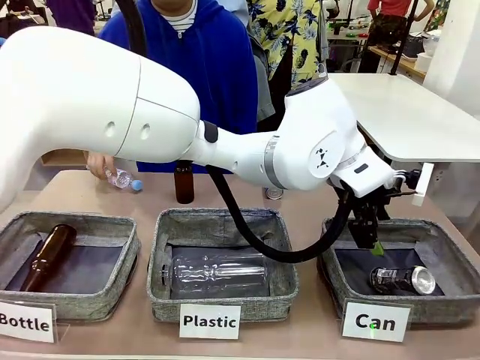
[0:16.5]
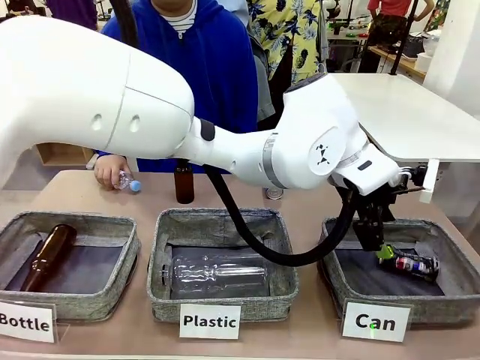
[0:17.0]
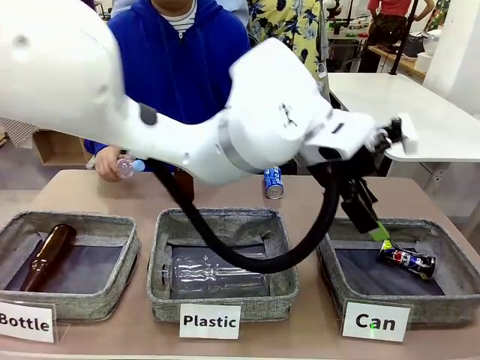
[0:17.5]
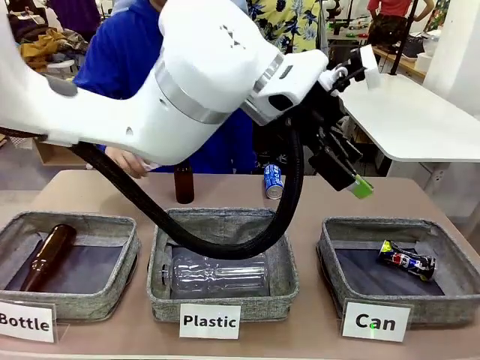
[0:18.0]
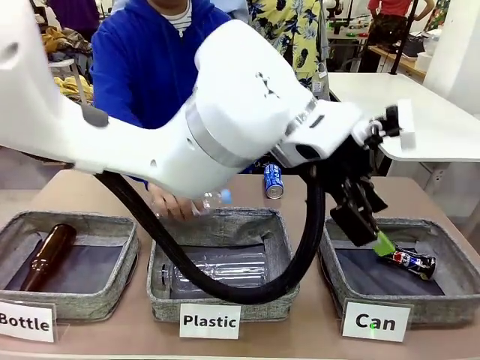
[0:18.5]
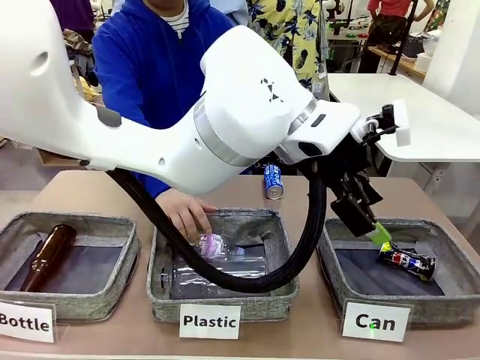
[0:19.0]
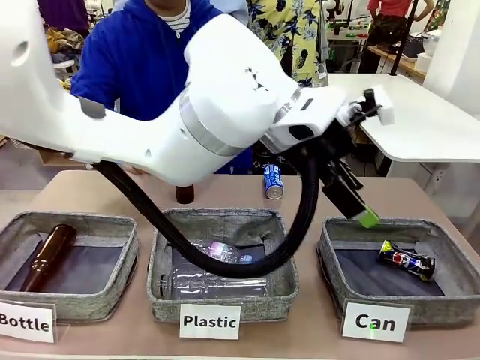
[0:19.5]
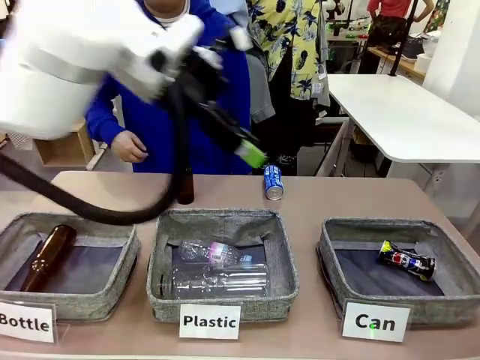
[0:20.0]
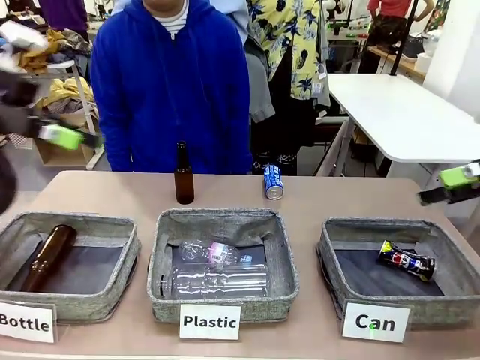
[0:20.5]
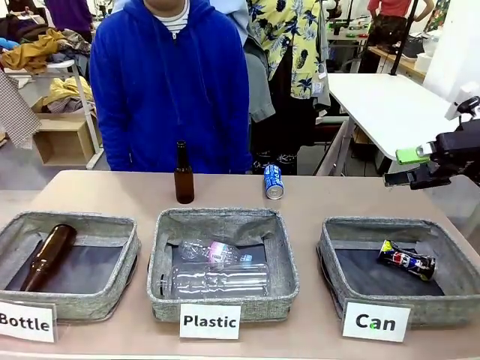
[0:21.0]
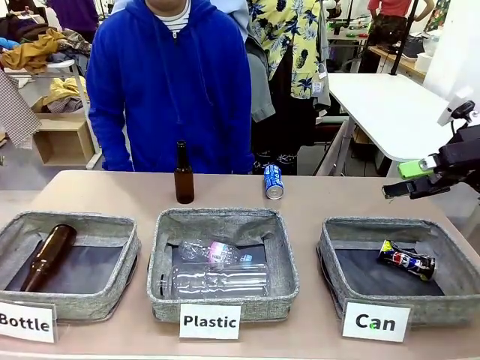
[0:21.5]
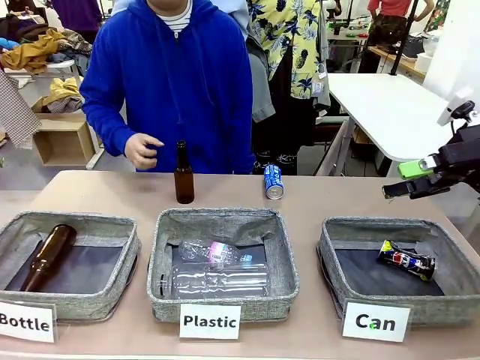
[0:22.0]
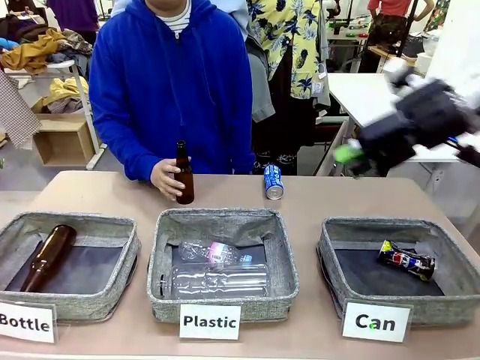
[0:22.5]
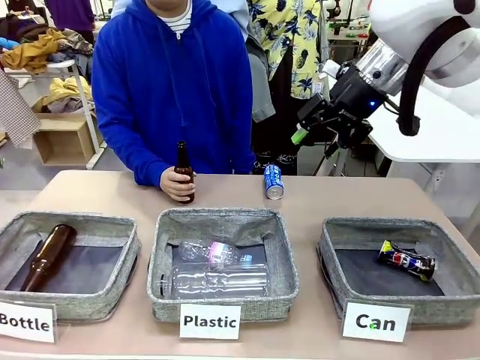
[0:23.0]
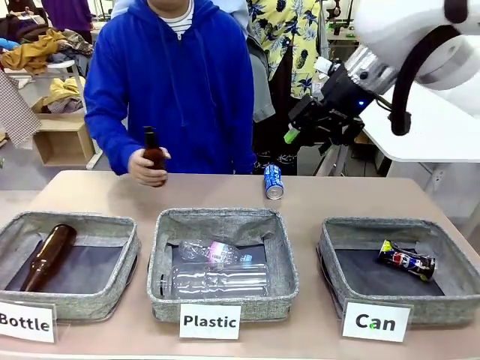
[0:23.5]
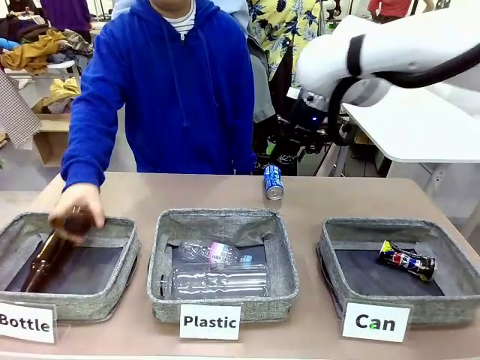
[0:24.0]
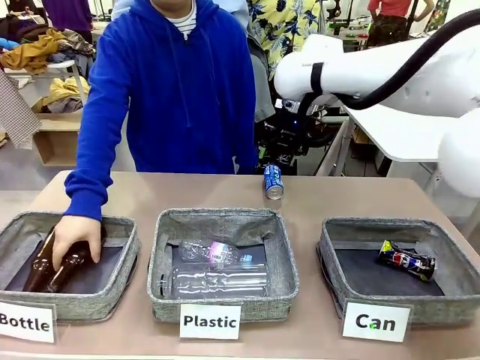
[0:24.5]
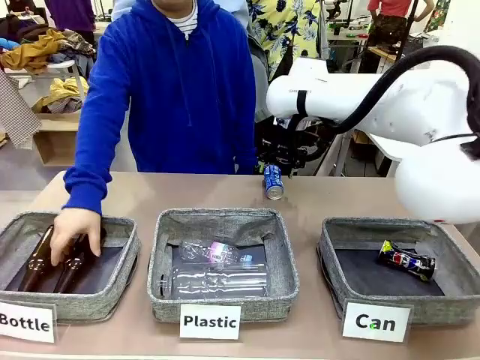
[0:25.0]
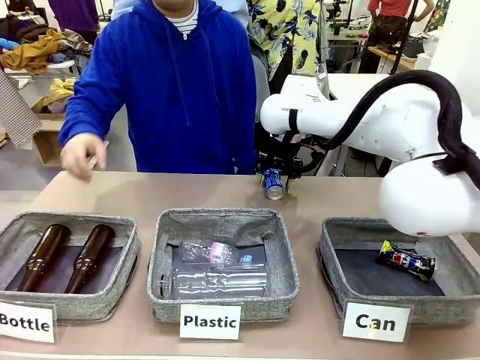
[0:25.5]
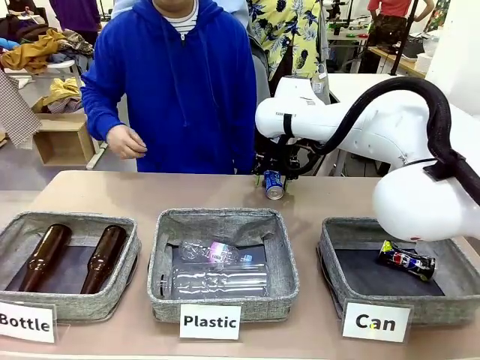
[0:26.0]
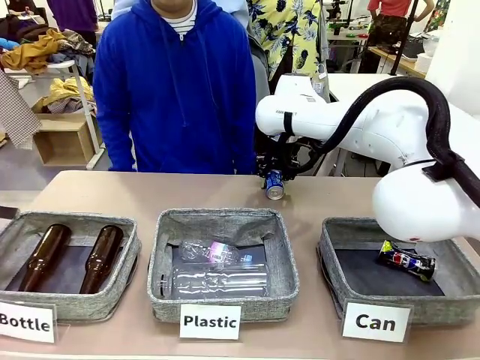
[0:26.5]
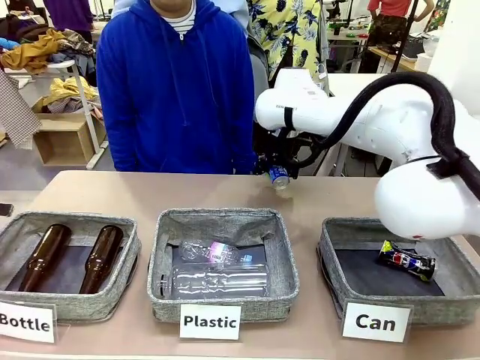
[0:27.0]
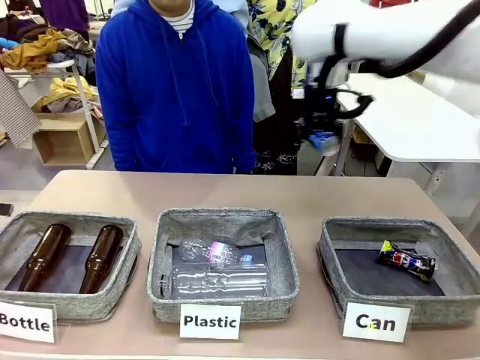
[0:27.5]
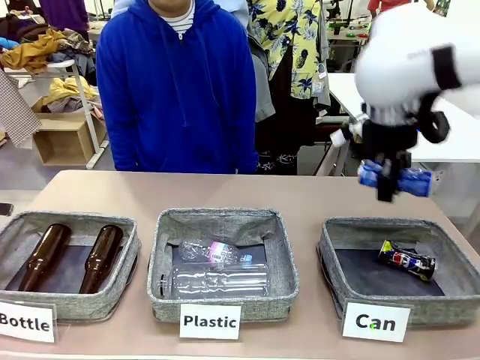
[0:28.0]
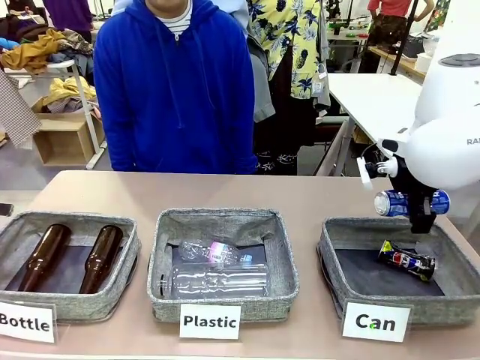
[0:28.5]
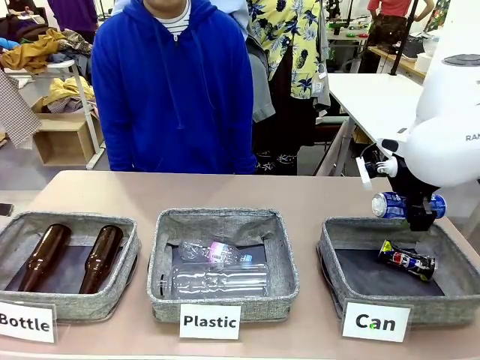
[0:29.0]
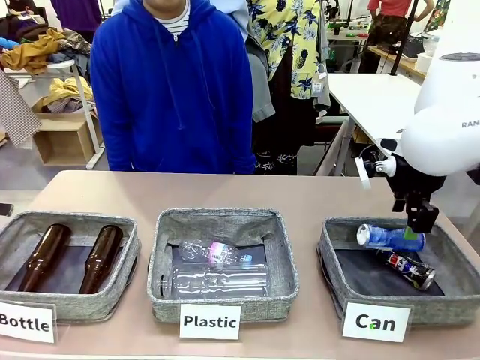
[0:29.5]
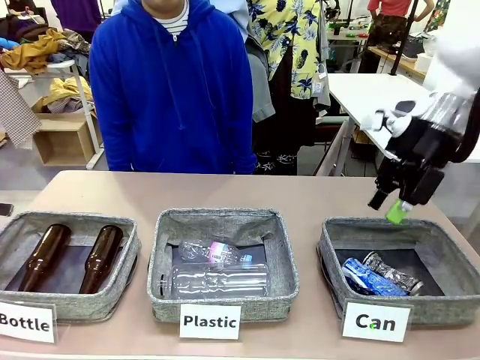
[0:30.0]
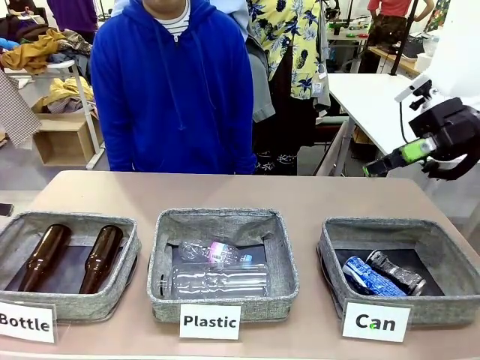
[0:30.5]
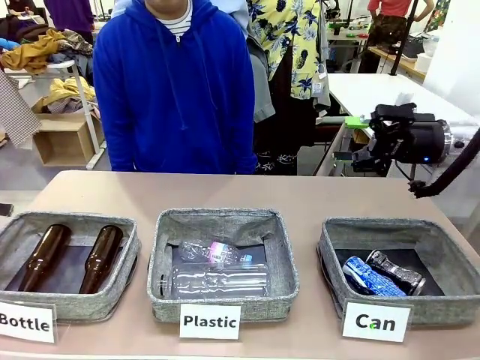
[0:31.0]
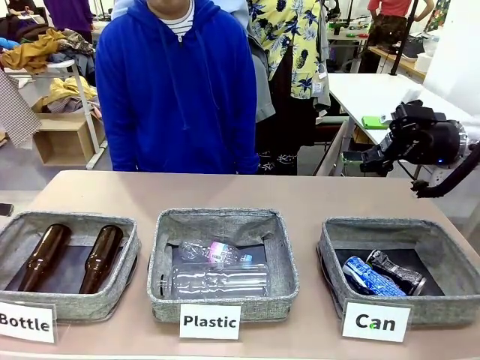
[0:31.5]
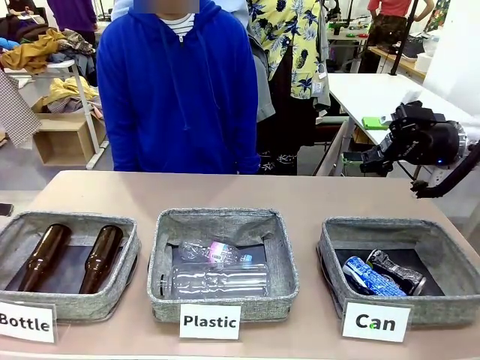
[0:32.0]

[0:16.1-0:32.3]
Task: Sort the can waste into the basket.
Robot: Pick up the can waste from the table and place it in the right Fabric basket.
Person: The human picks up one piece of trash that is not a can and places the trash into the appropriate organizing basket.

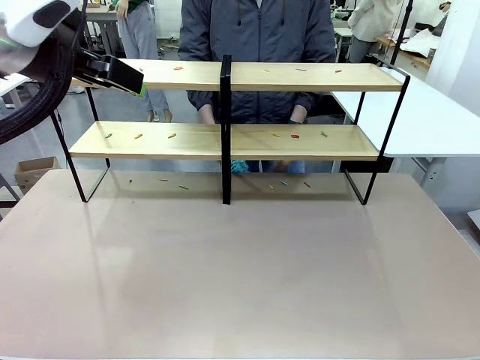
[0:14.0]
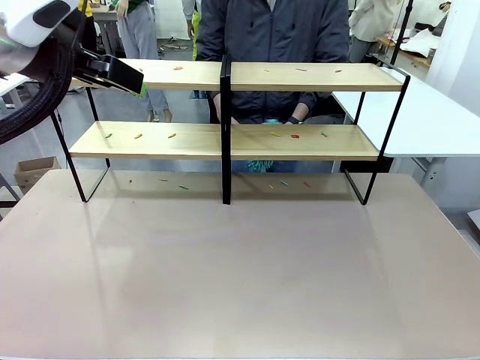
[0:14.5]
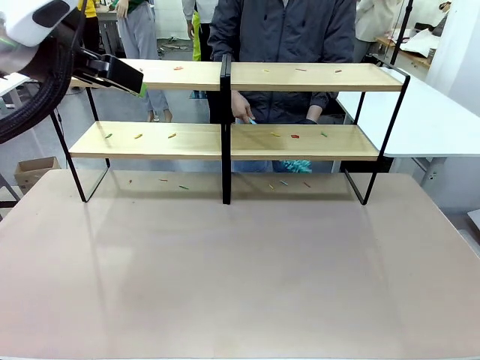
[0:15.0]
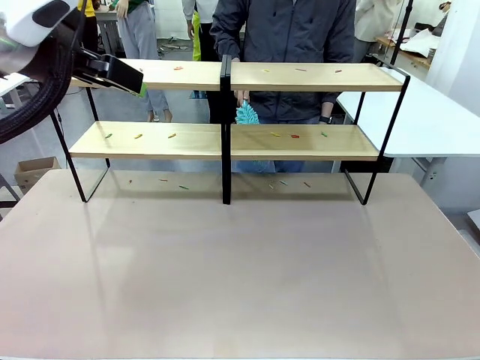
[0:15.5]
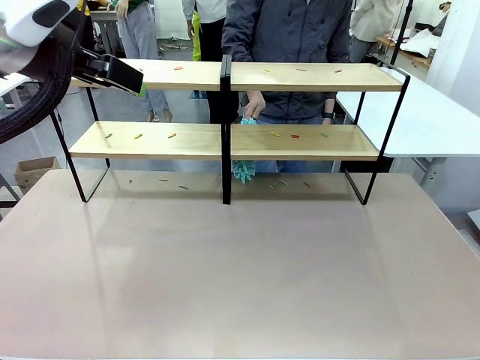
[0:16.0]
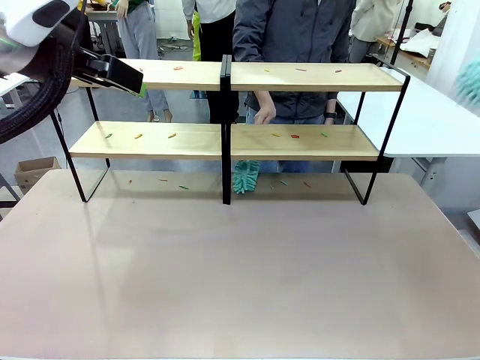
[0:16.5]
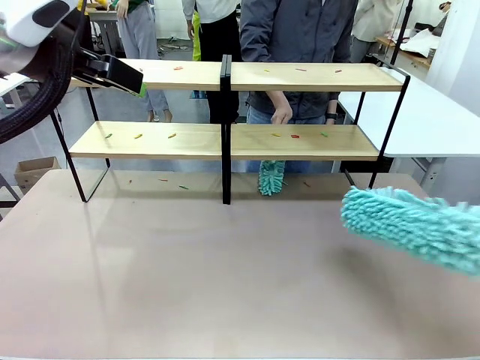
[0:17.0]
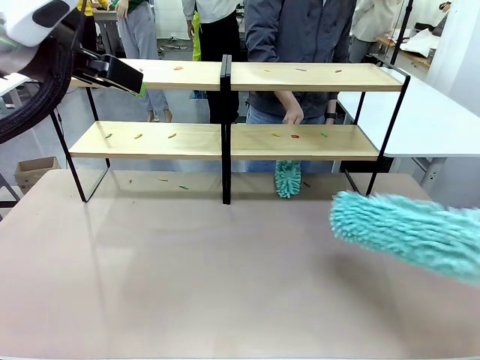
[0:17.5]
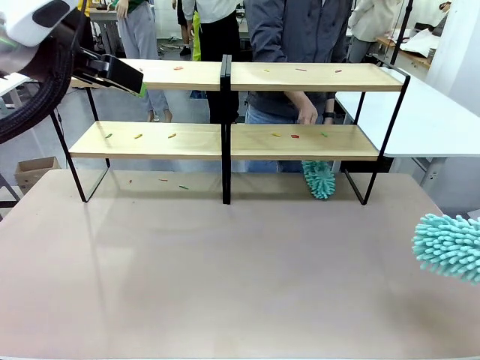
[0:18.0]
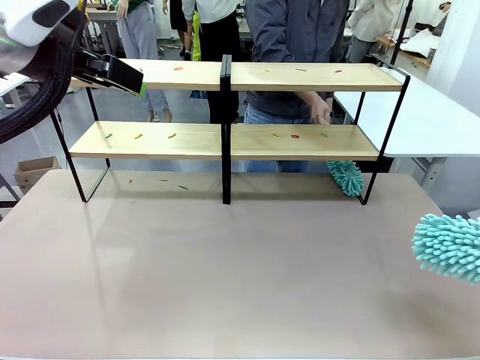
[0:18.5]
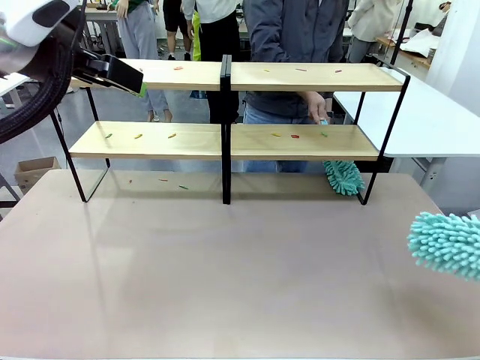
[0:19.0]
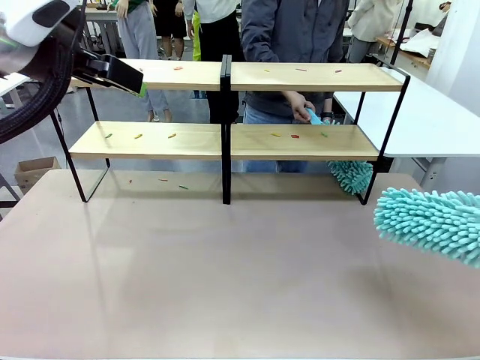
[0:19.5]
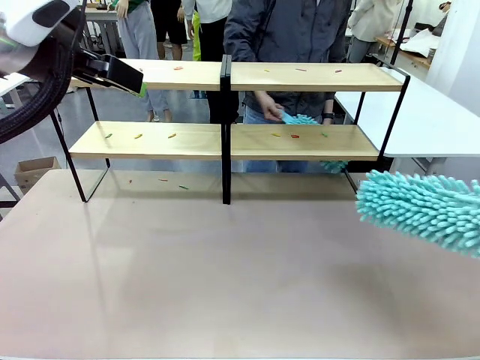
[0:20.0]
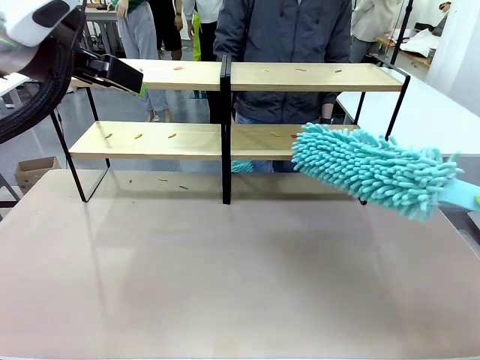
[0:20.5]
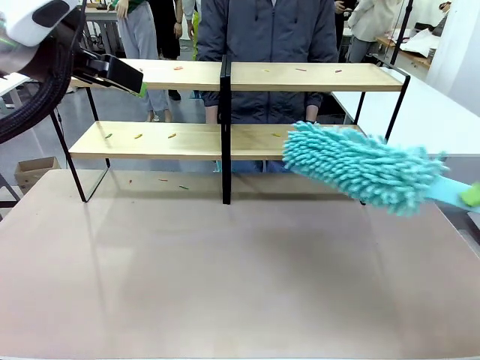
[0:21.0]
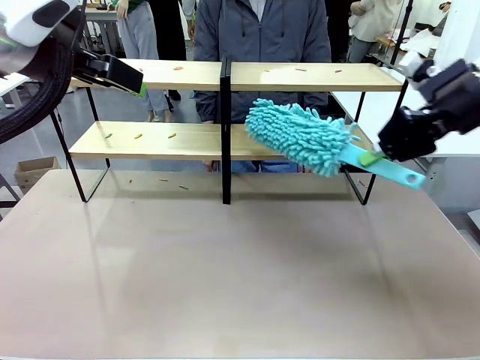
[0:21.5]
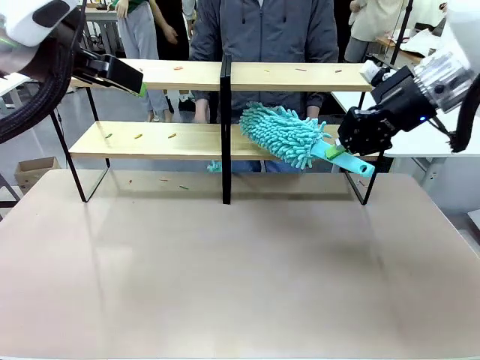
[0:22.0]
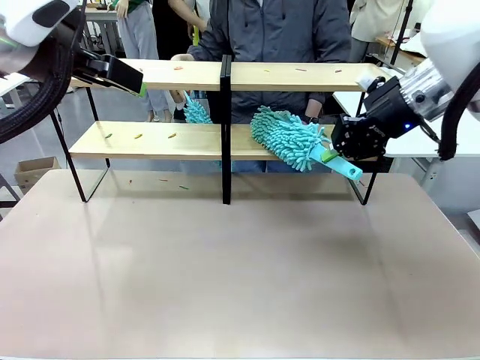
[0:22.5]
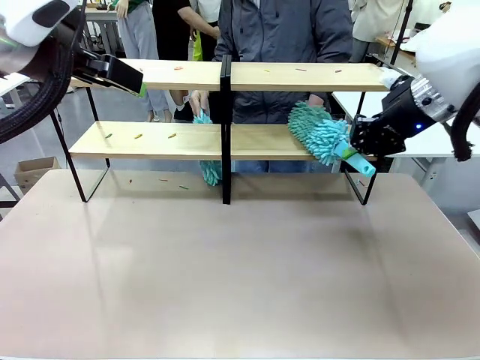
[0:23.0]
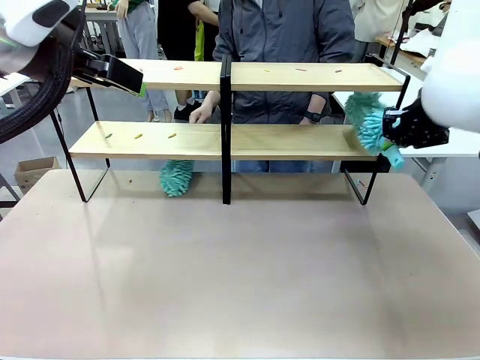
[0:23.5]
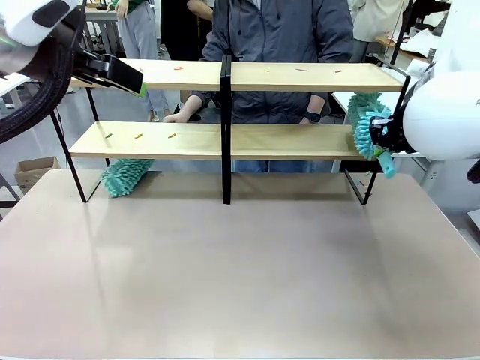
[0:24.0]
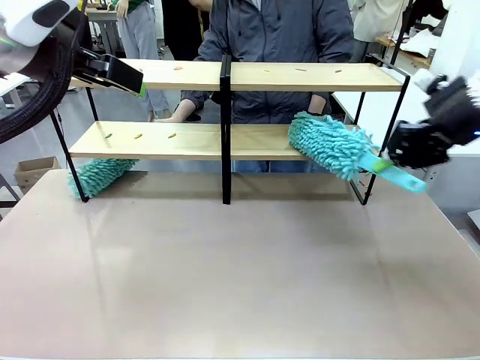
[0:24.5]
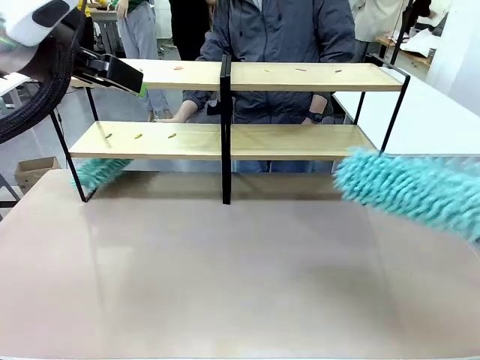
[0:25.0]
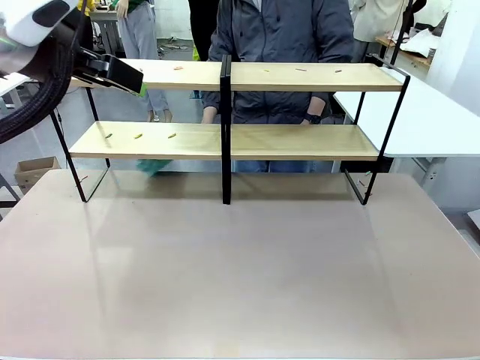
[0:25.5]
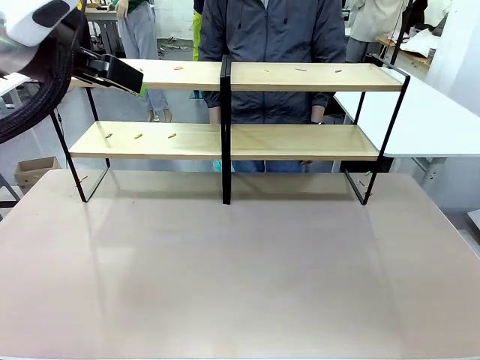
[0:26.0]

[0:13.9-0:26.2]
Task: Clean the shelves.
Robot: Clean a randomly selected level of the Shelf with the Duster.
